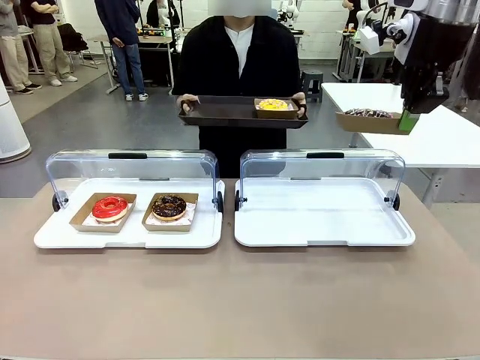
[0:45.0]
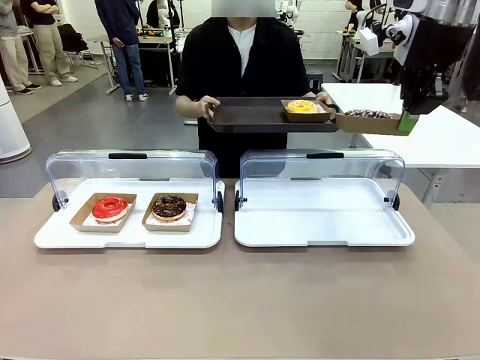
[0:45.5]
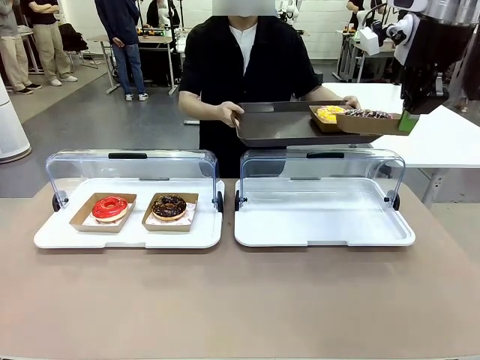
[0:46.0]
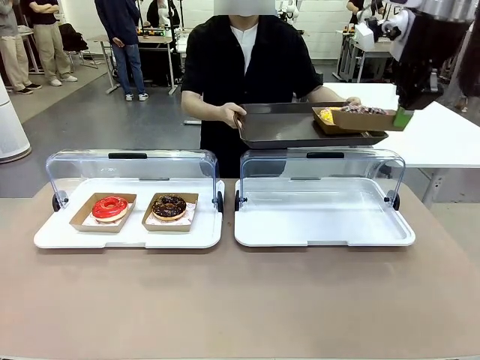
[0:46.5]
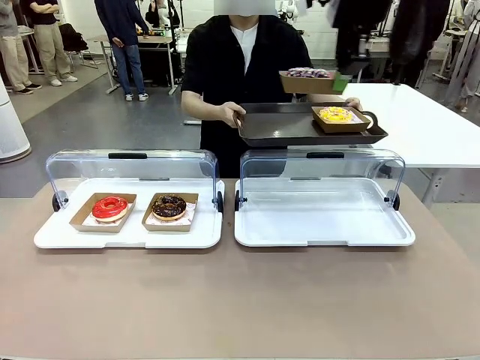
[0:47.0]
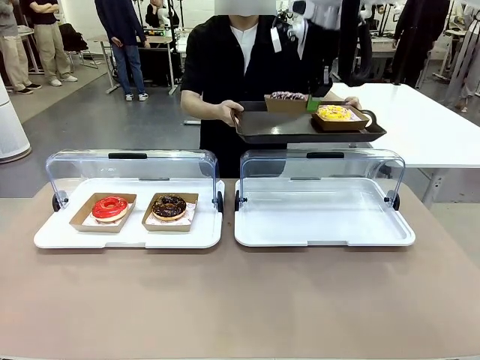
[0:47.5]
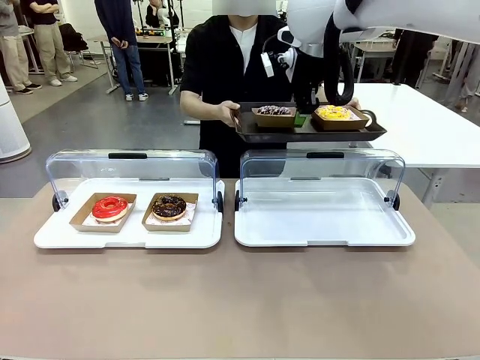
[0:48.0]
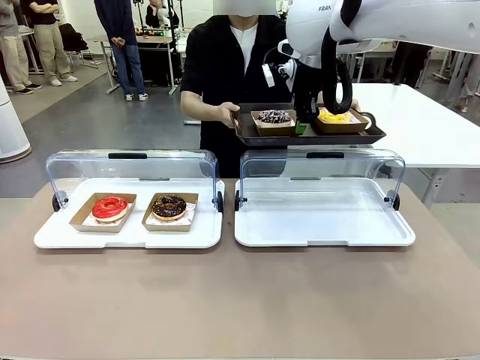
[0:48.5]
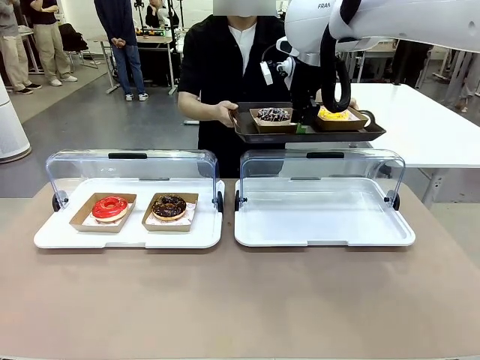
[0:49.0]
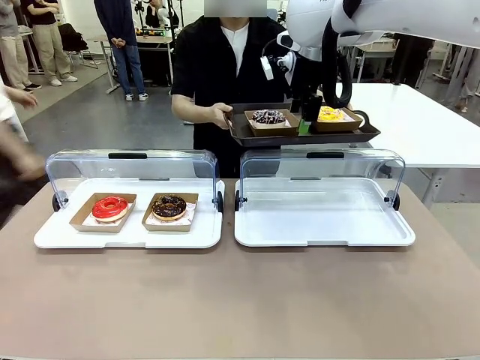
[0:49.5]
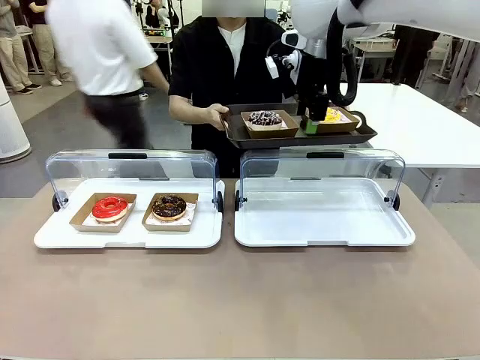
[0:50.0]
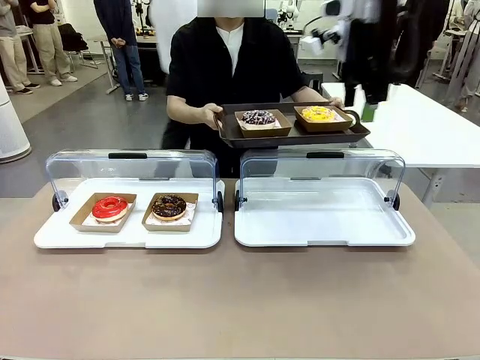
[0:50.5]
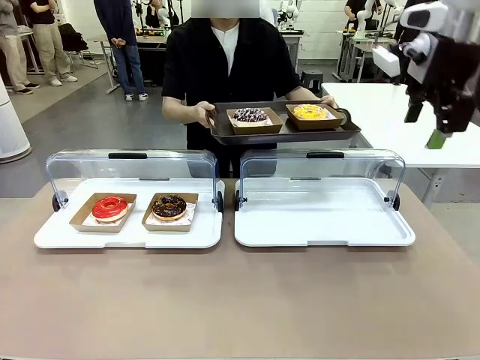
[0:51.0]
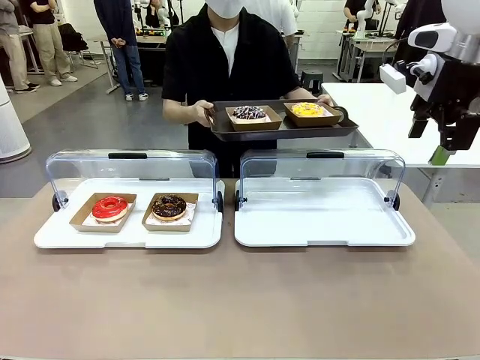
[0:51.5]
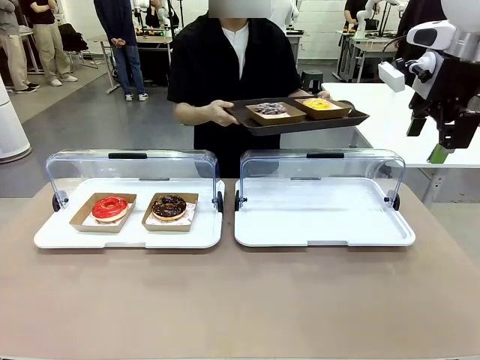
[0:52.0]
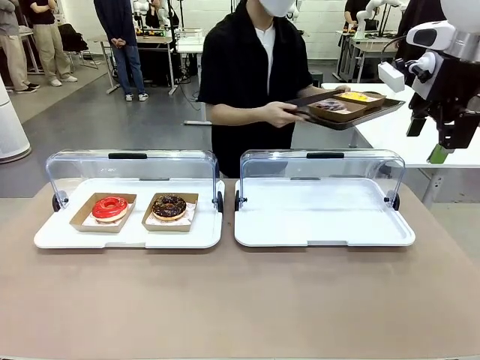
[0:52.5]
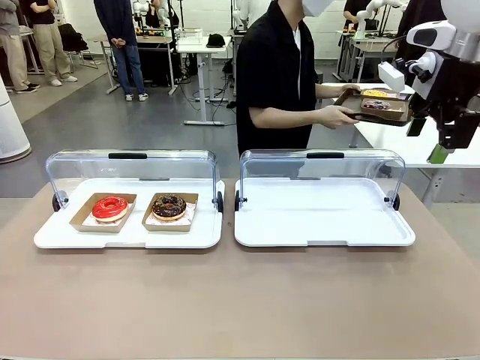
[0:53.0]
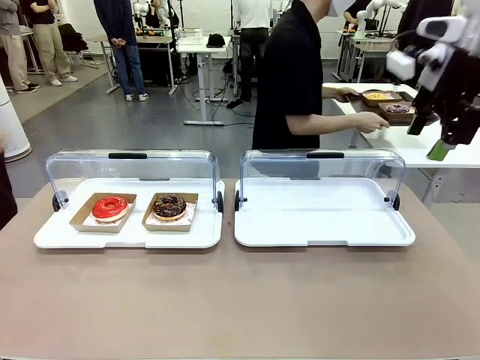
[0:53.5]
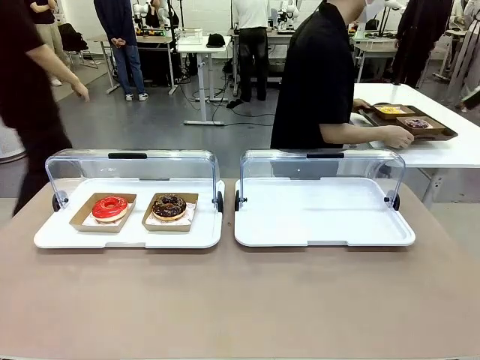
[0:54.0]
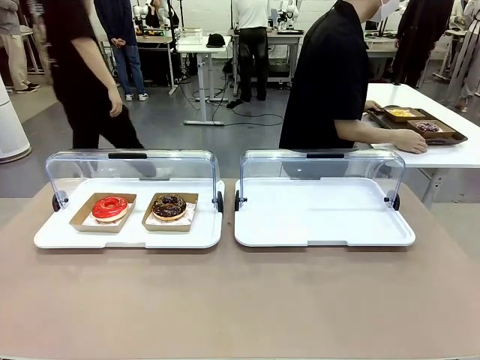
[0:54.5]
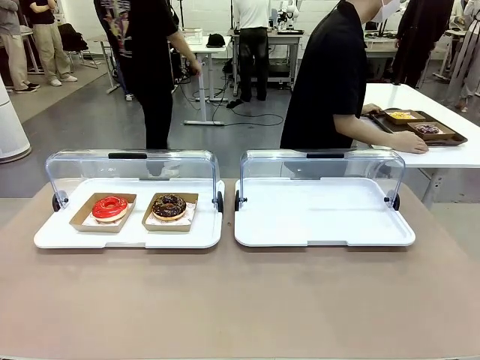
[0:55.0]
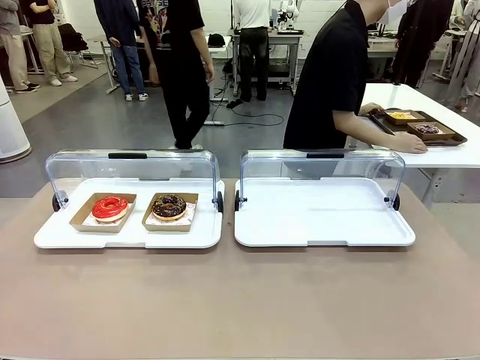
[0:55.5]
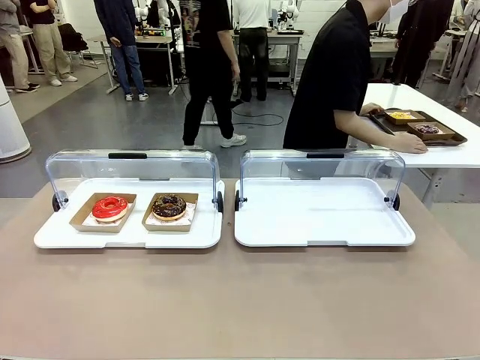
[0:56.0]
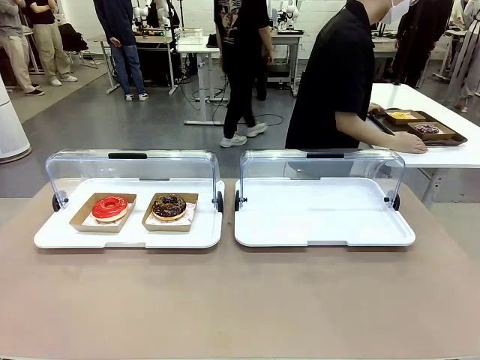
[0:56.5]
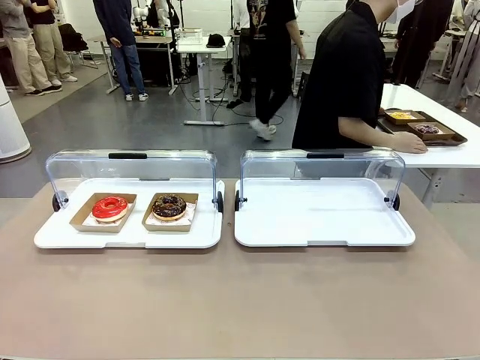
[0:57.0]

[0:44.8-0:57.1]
Task: Provide the desired donut to the person.
Robot: Place the picked Paper togo box onto the Handle tray extended by the person.
Person: Place the tray in the middle of the human table.

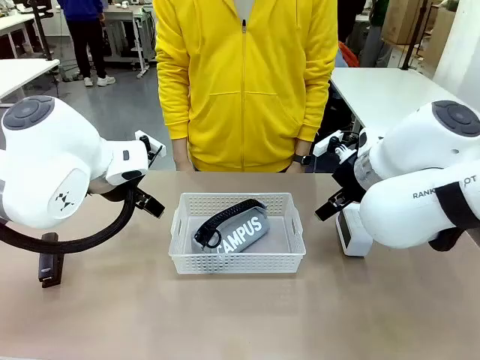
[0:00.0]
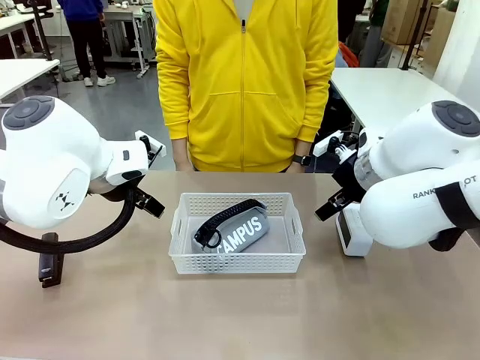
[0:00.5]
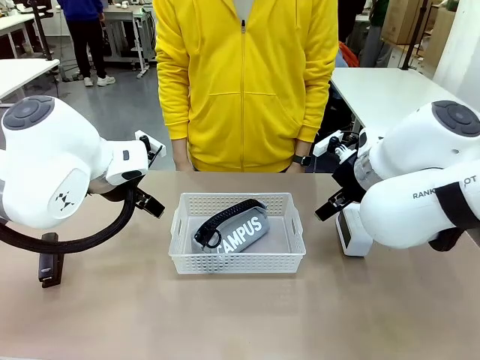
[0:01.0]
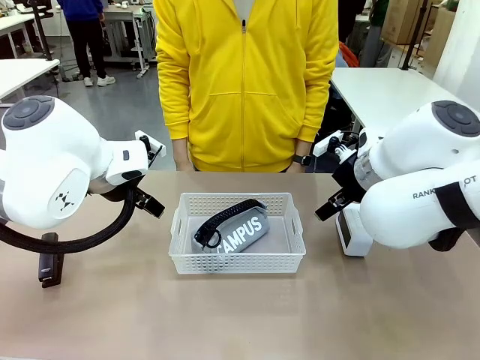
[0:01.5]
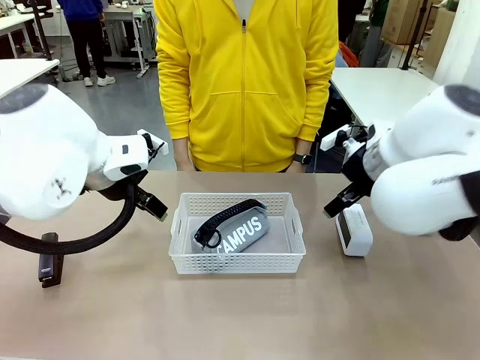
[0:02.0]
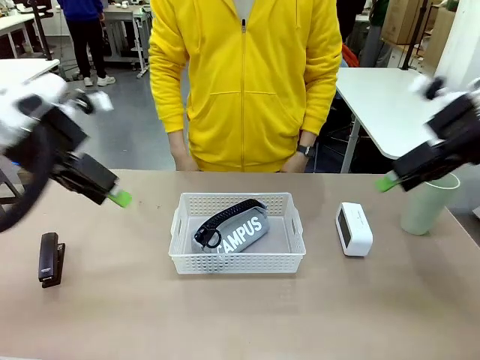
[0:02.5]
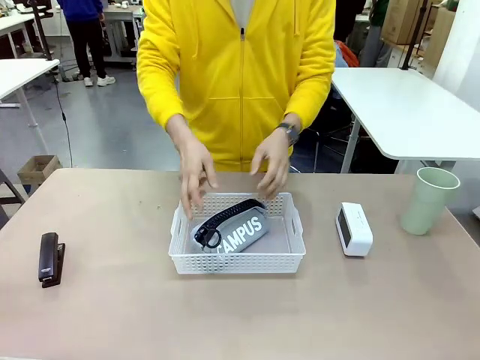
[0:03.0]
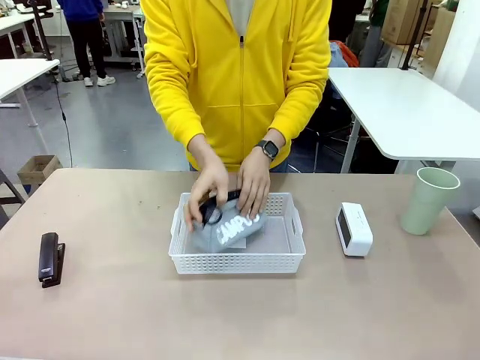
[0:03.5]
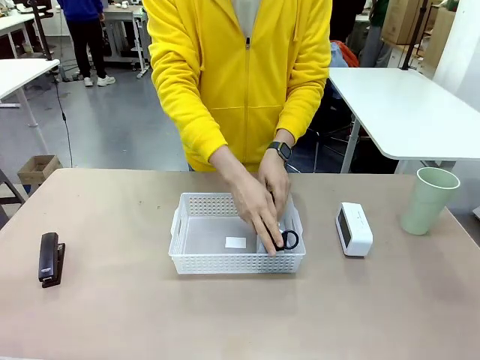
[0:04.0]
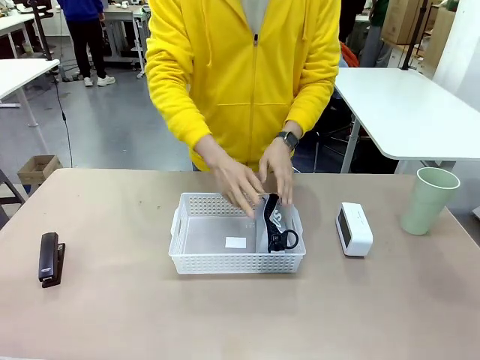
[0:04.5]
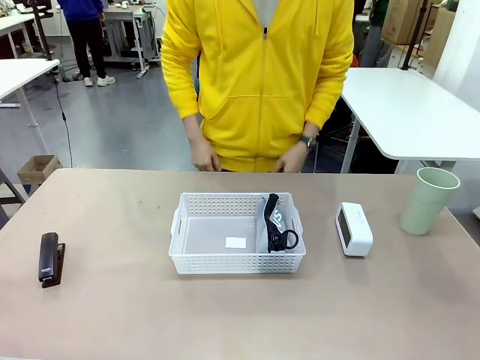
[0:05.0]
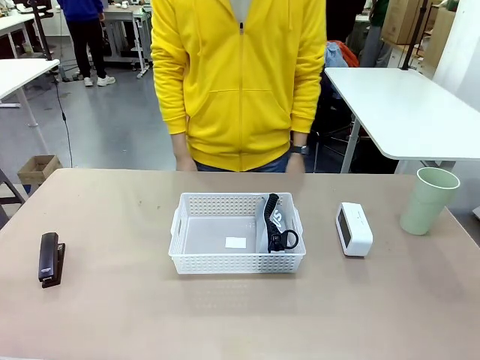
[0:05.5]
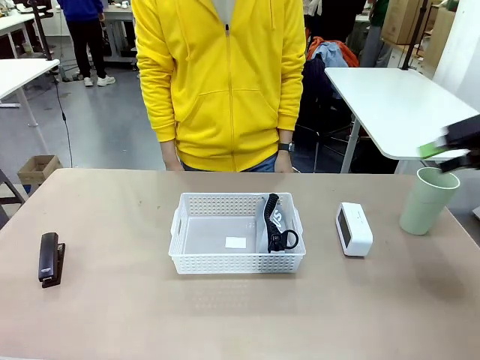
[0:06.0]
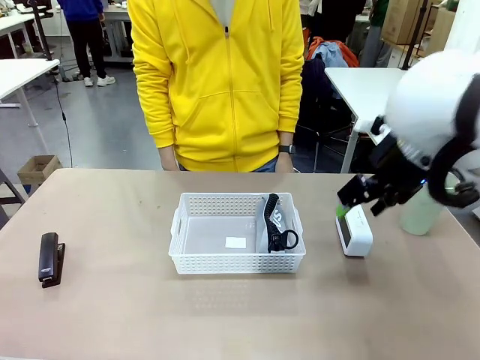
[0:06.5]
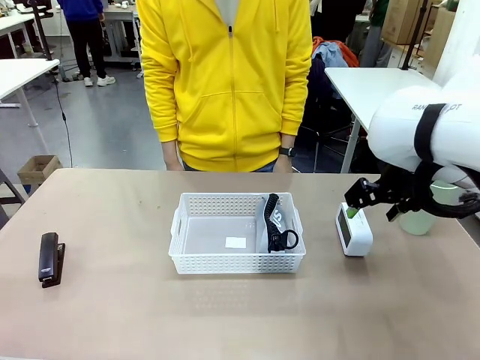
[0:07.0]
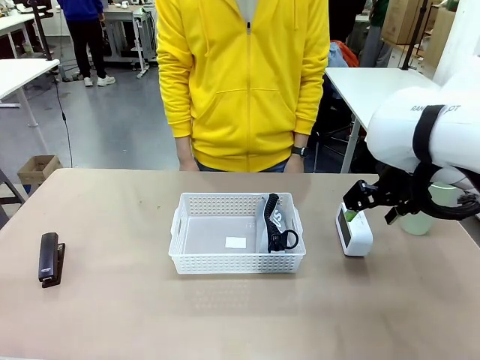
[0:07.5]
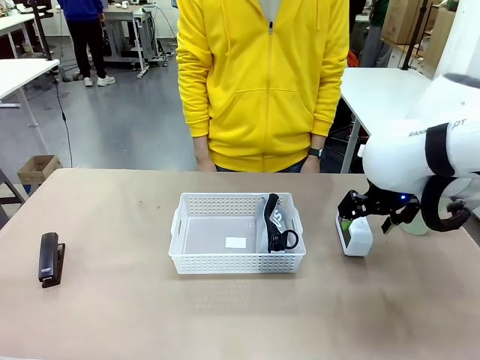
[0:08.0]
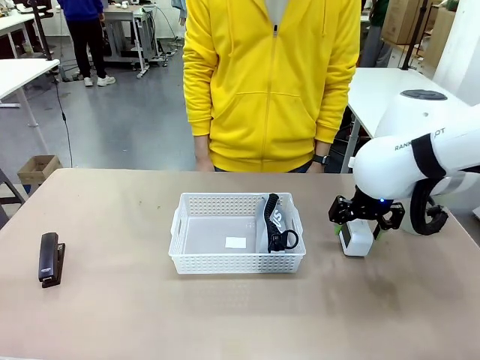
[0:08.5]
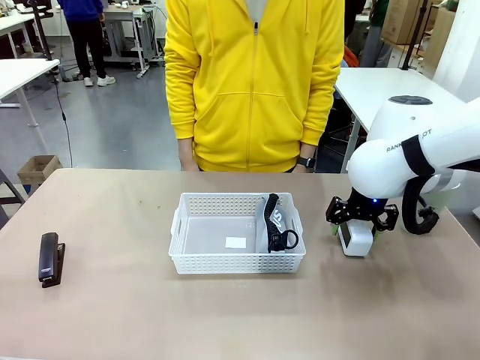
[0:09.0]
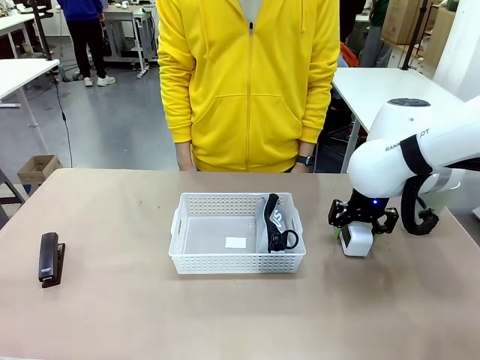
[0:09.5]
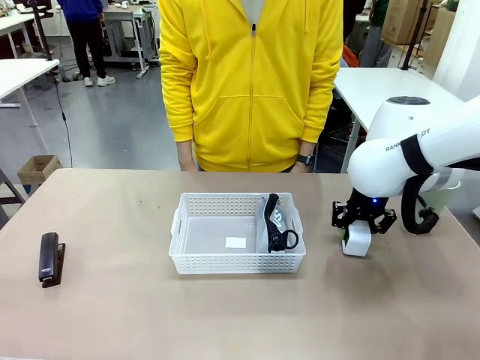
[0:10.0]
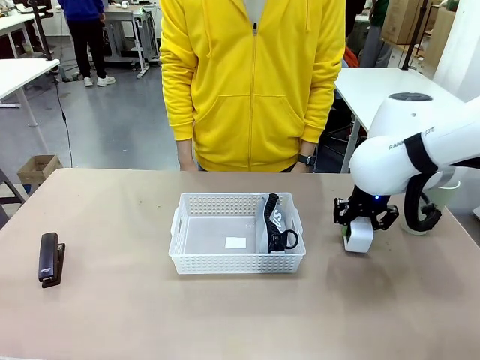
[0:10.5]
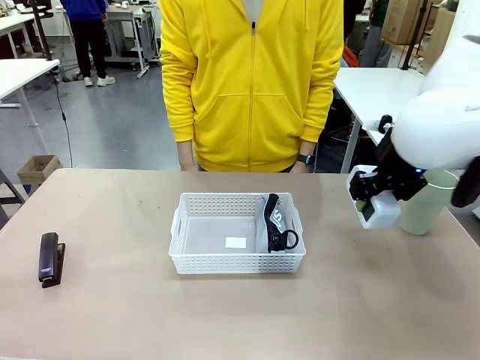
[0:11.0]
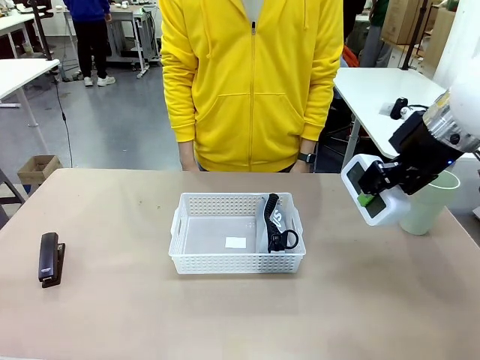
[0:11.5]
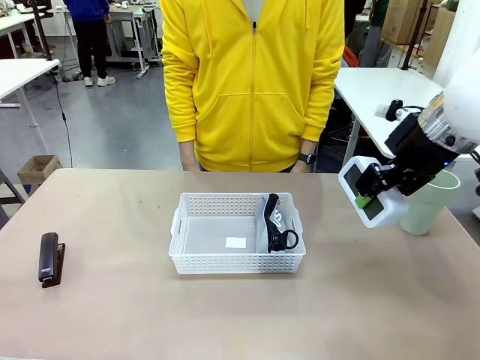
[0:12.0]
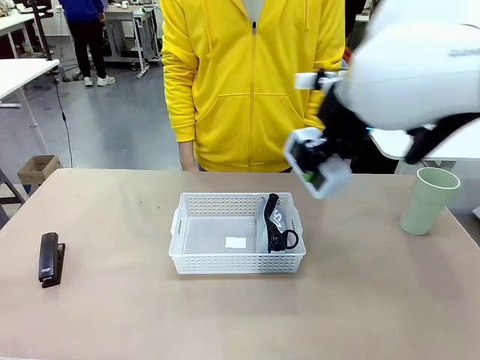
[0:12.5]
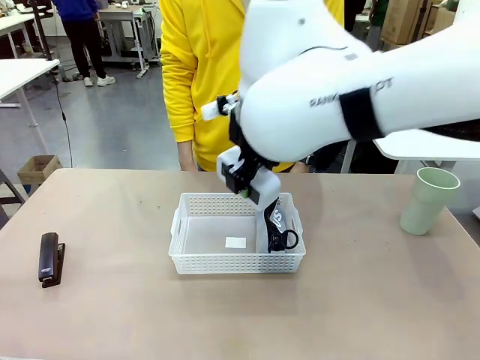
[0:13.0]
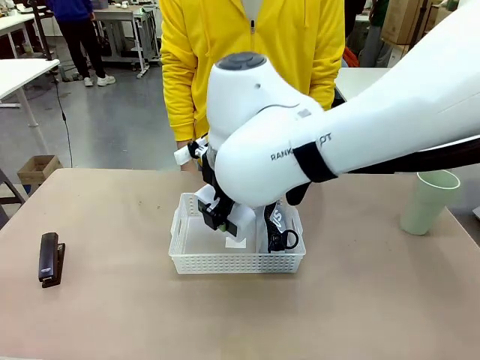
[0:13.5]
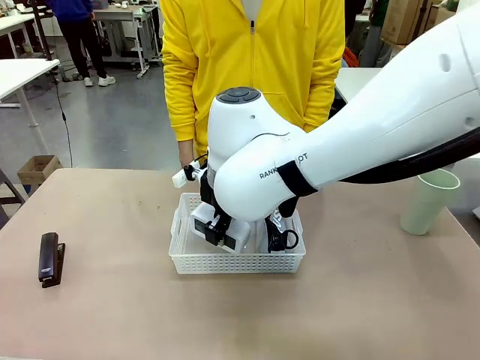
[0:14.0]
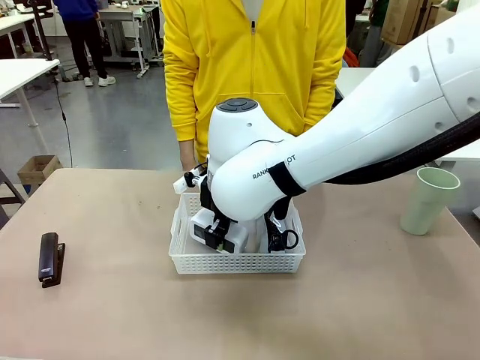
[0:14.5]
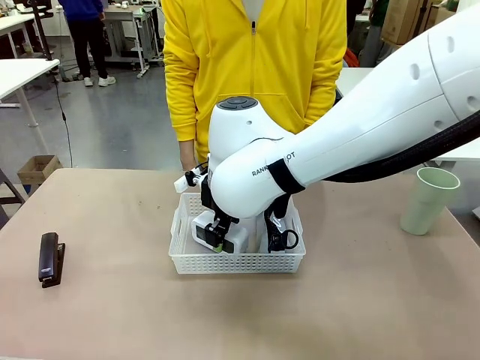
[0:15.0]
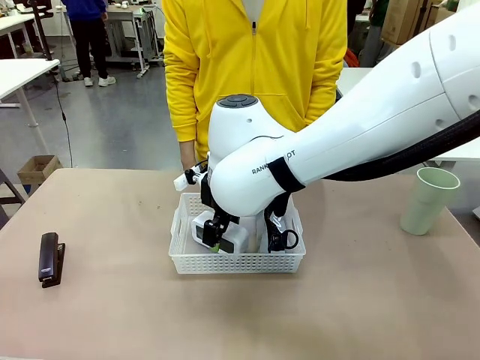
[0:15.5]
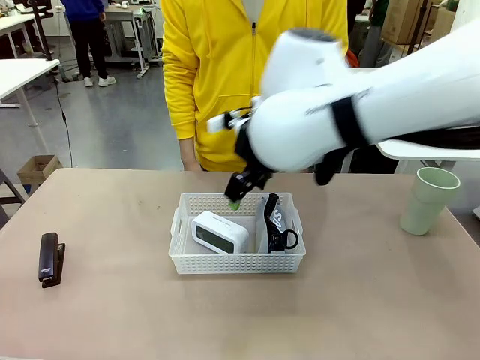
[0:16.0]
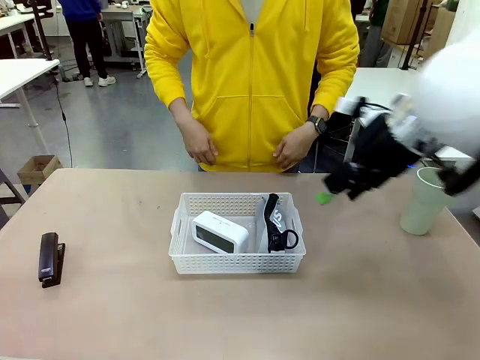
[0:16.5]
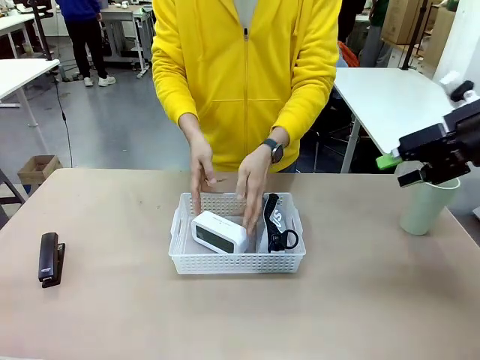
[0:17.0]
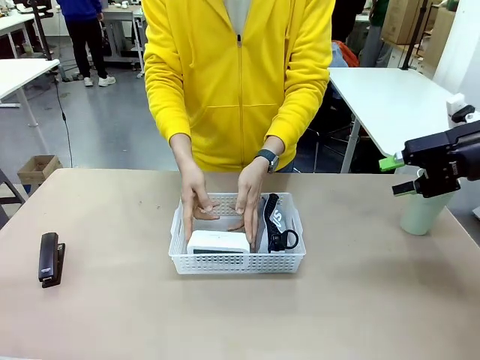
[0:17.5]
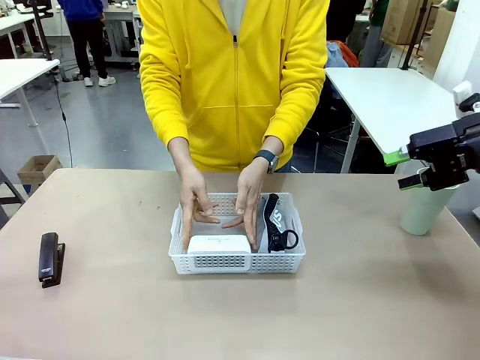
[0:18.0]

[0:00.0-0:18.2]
Task: Efficiently arrange items inside the basket to fit them all.
Robot: Pick up the Digital clock and place it inside the Organizing basket.
Person: Repositions the pencil case. Repositions the digital clock.
